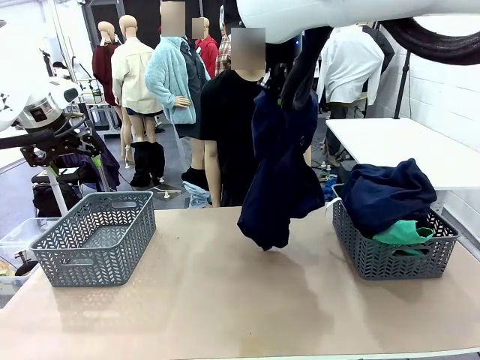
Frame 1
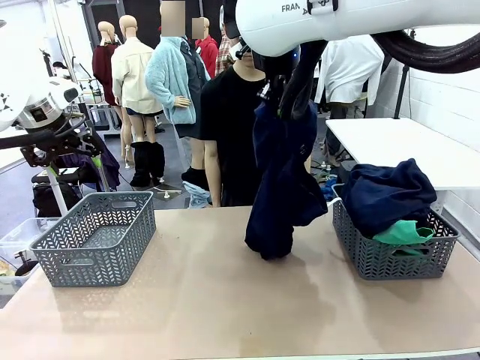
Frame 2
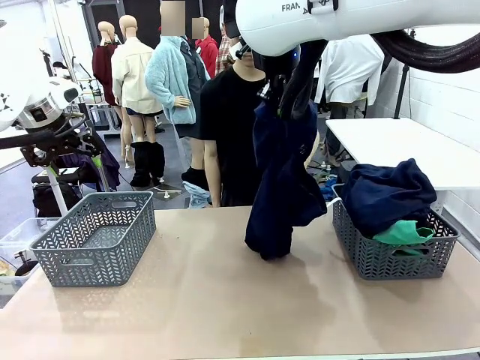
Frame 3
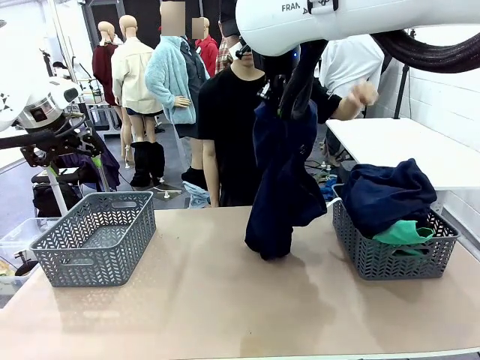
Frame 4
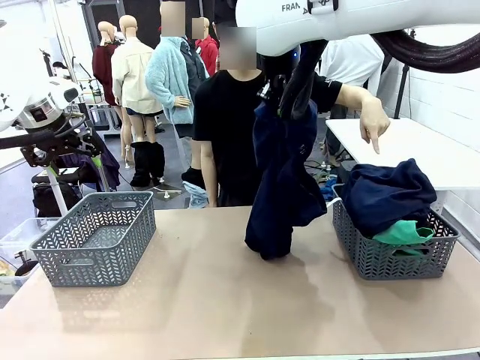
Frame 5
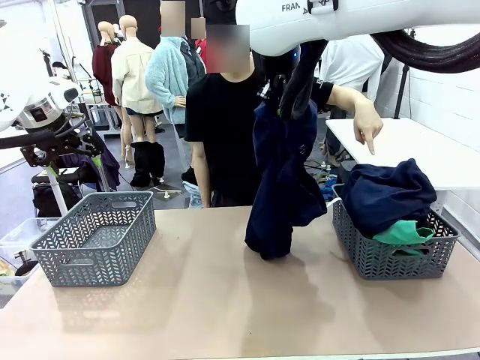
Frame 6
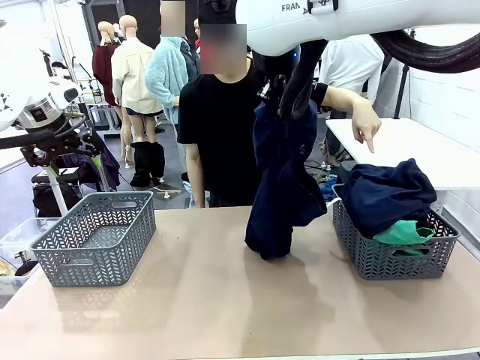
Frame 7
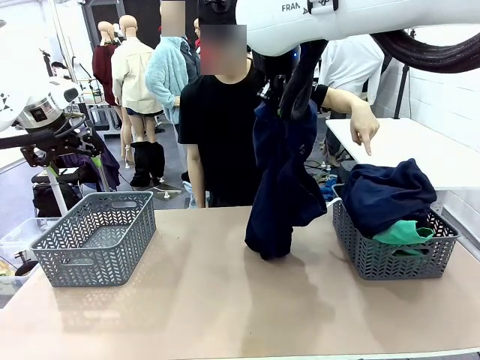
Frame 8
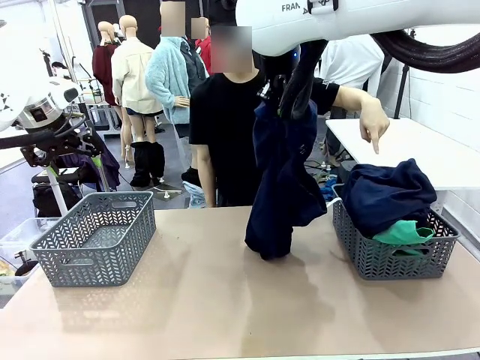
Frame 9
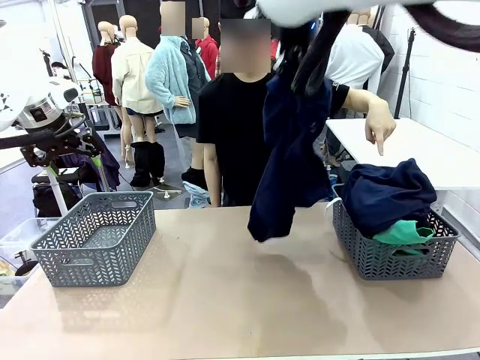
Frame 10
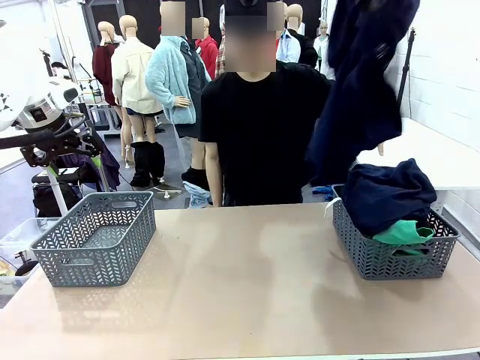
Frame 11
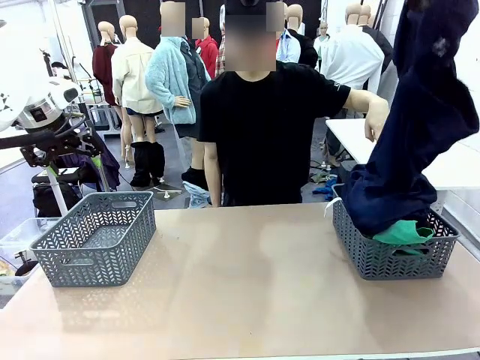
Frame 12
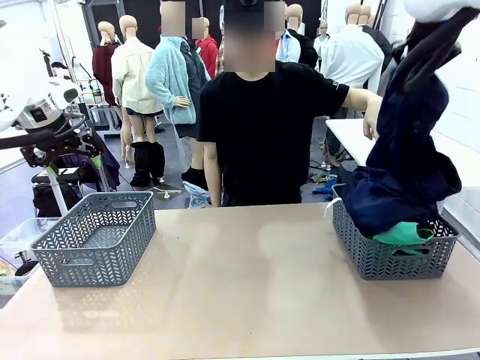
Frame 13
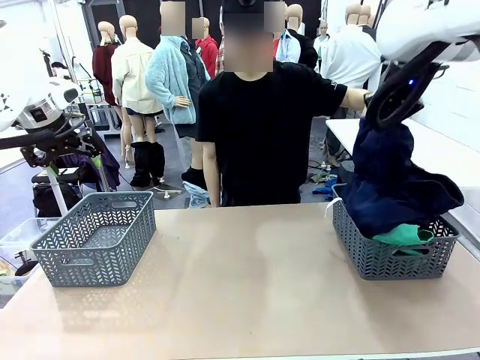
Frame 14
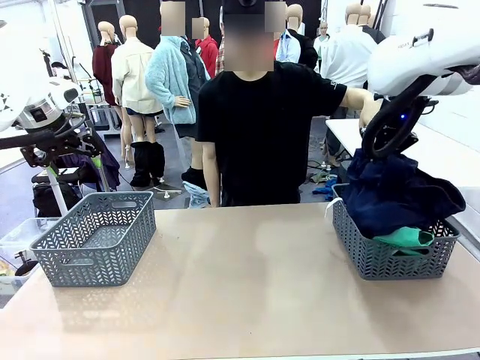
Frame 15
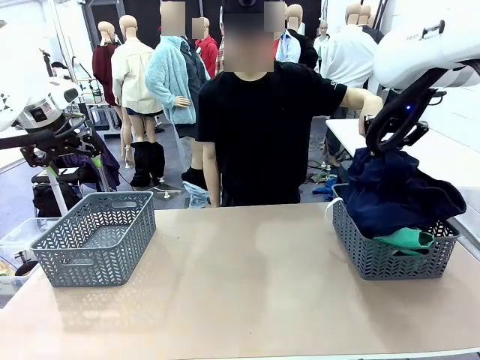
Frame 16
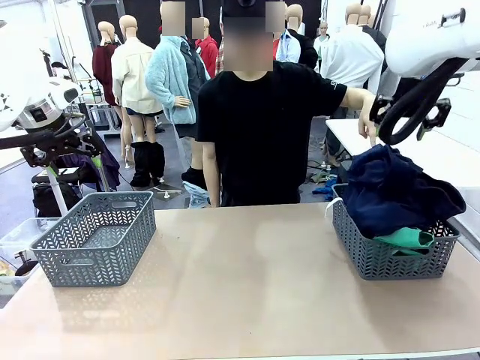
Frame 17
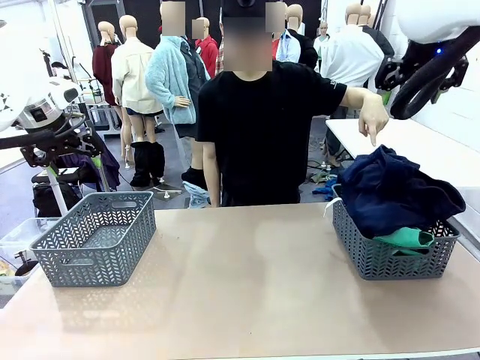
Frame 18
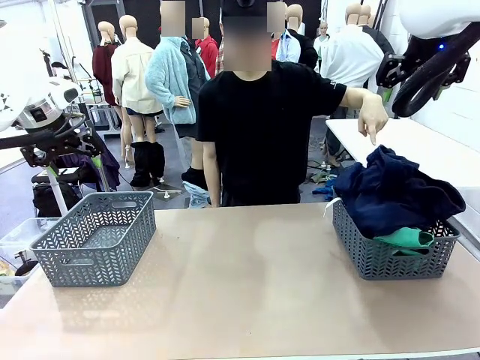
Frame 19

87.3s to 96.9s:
Task: Sort the tops and bottoms.
Robot: Sort the clothes according to human instructions.

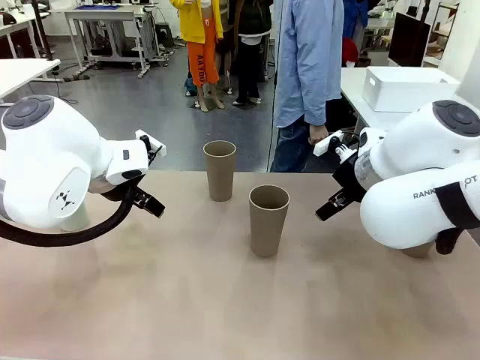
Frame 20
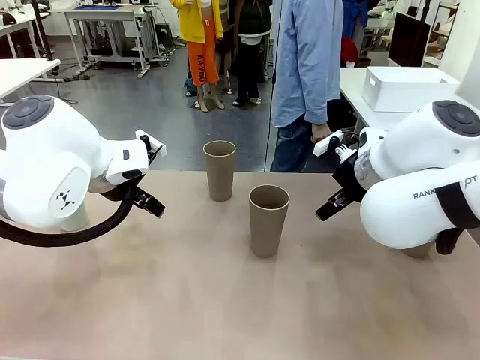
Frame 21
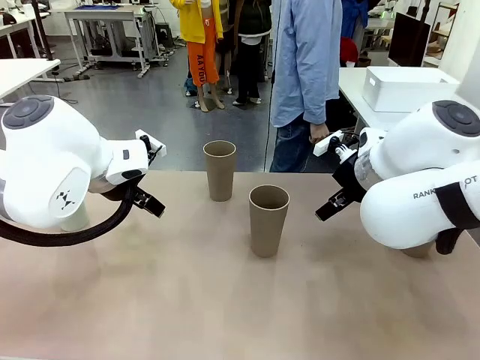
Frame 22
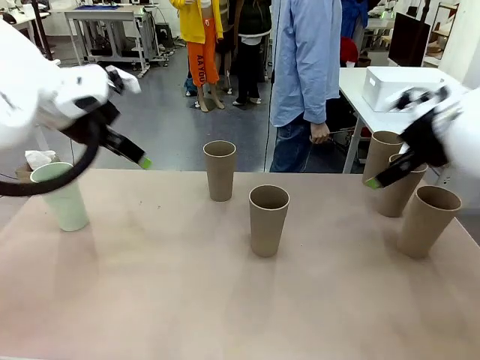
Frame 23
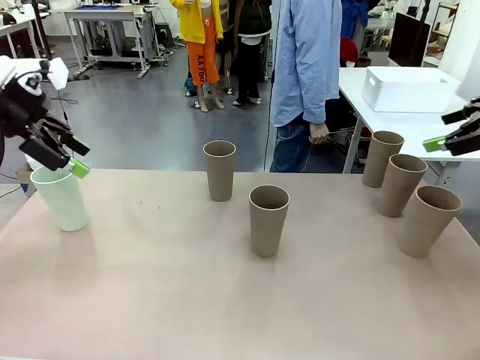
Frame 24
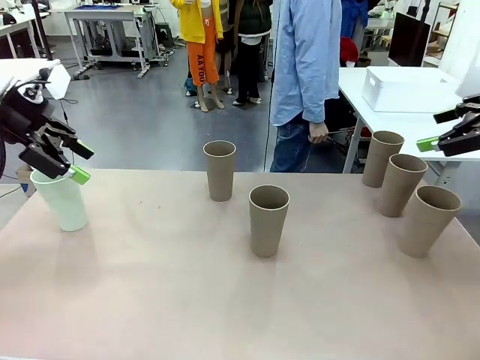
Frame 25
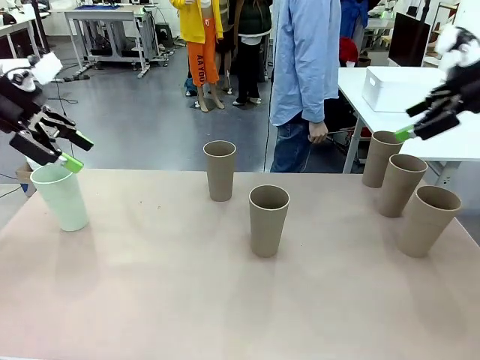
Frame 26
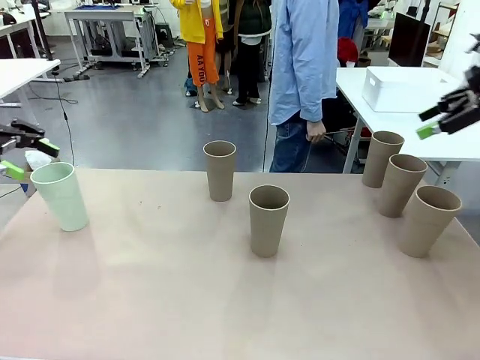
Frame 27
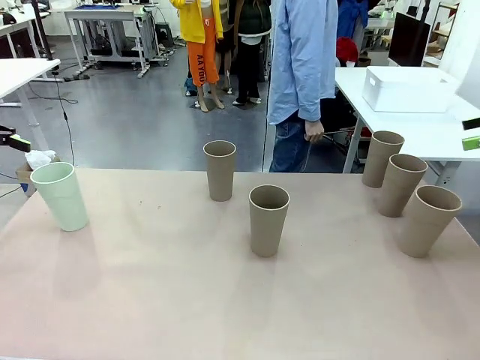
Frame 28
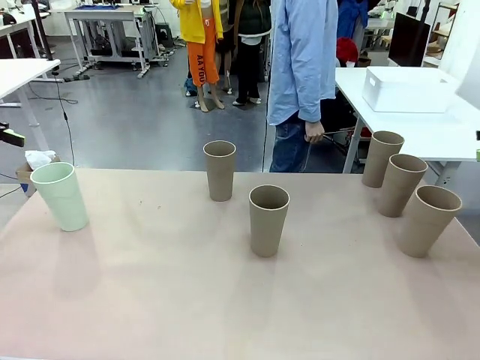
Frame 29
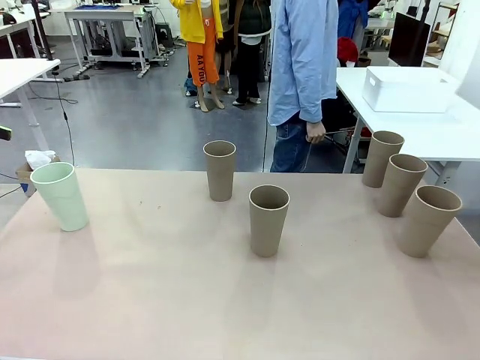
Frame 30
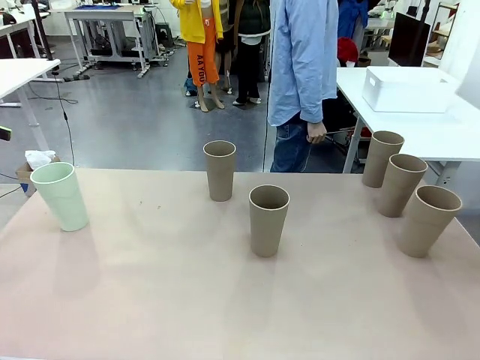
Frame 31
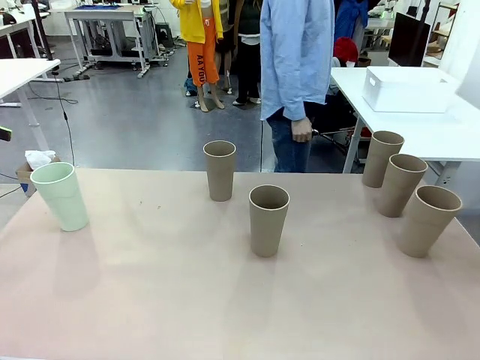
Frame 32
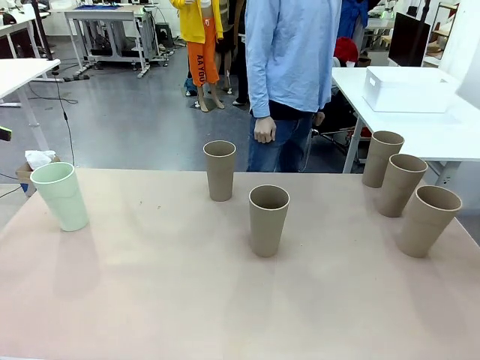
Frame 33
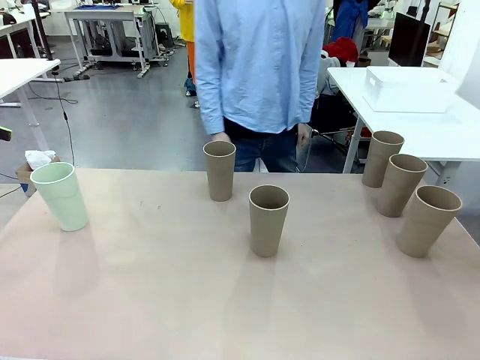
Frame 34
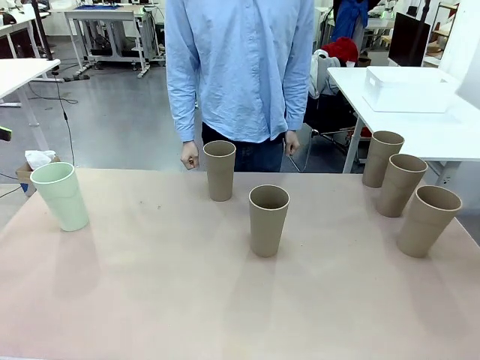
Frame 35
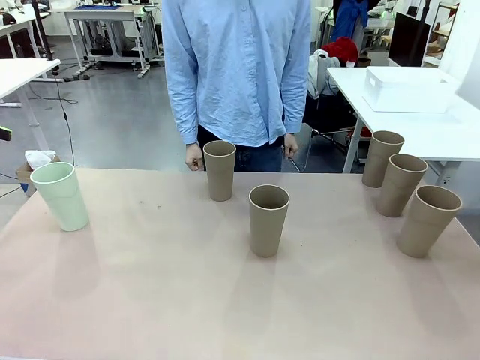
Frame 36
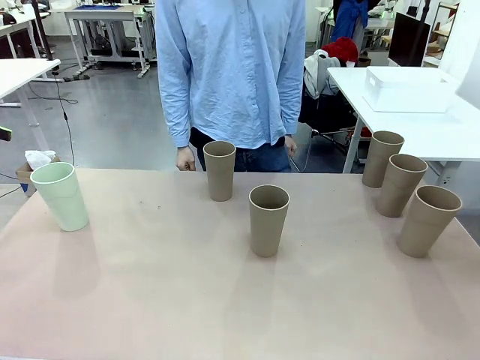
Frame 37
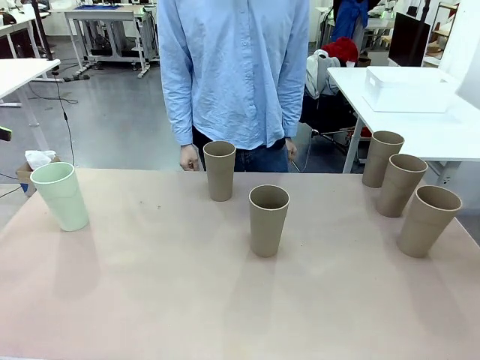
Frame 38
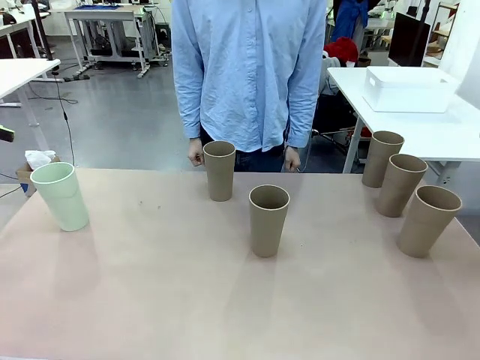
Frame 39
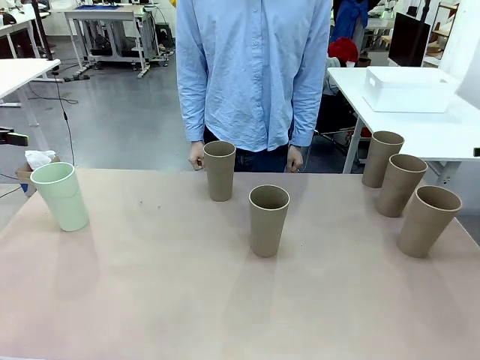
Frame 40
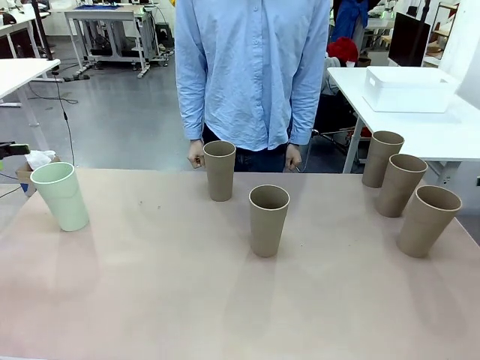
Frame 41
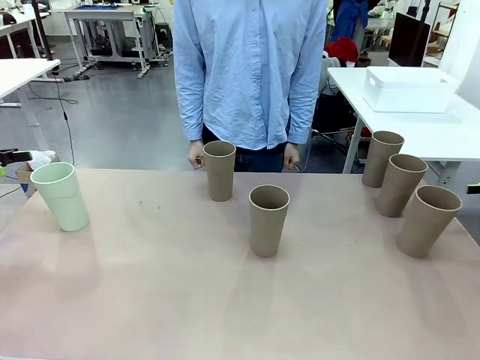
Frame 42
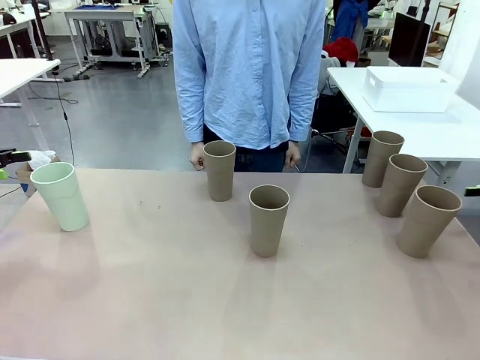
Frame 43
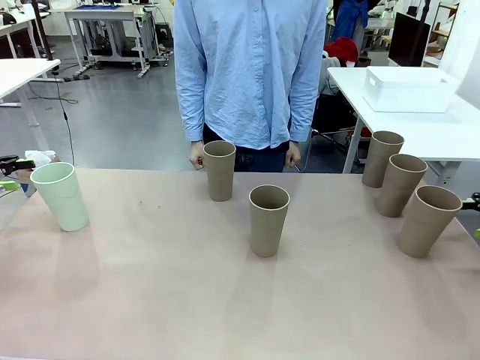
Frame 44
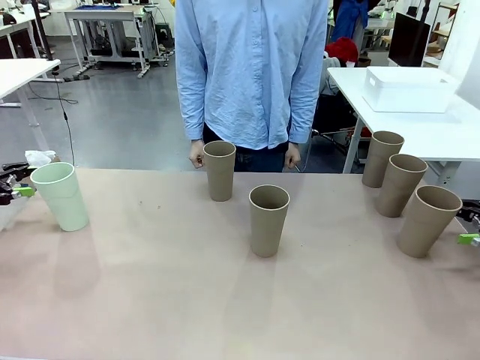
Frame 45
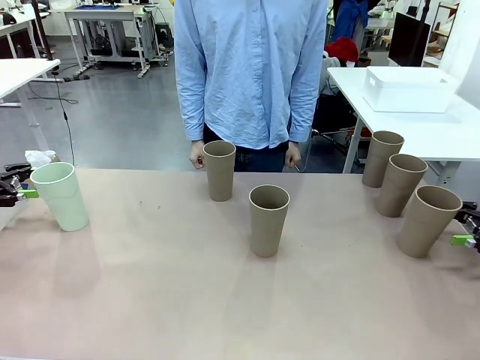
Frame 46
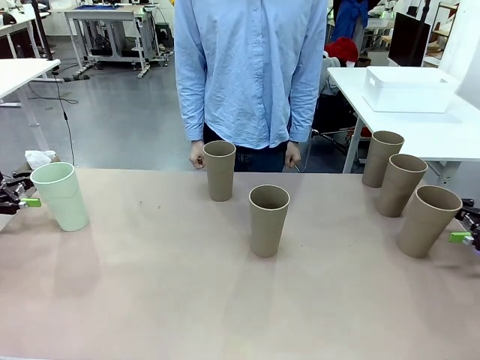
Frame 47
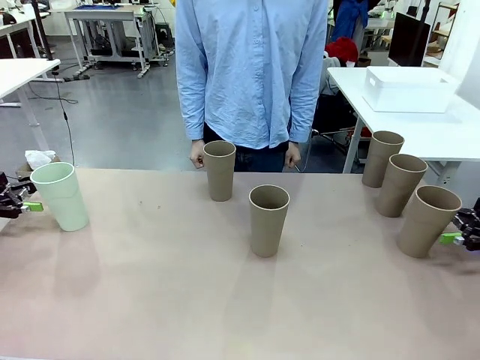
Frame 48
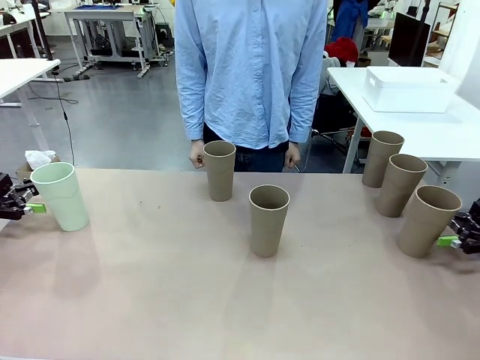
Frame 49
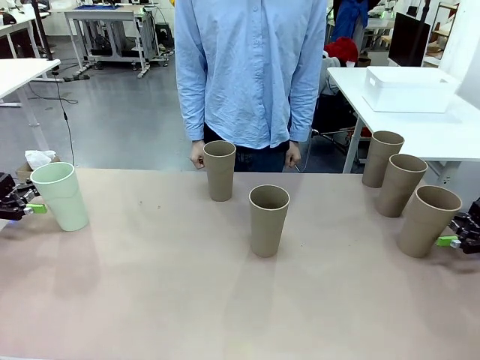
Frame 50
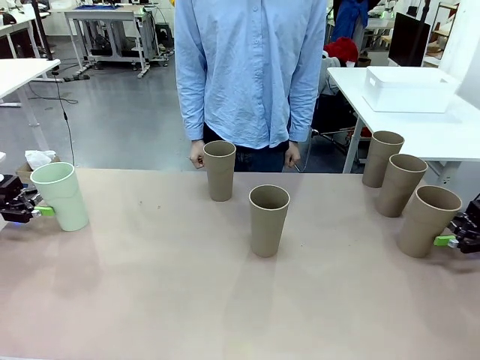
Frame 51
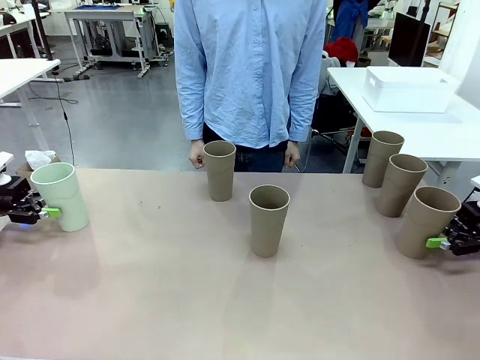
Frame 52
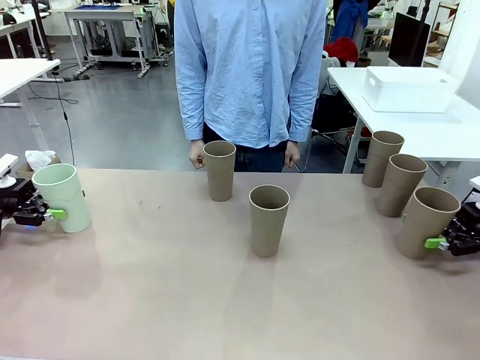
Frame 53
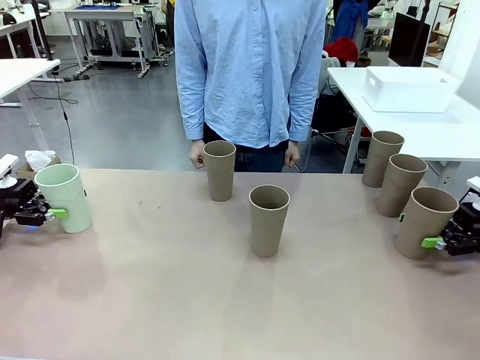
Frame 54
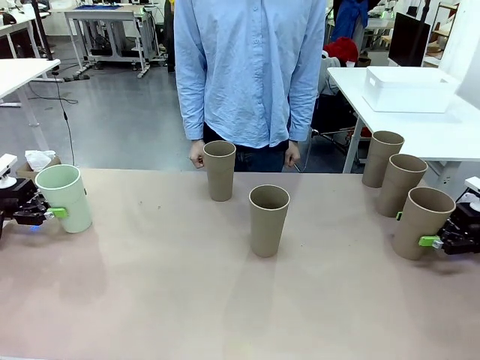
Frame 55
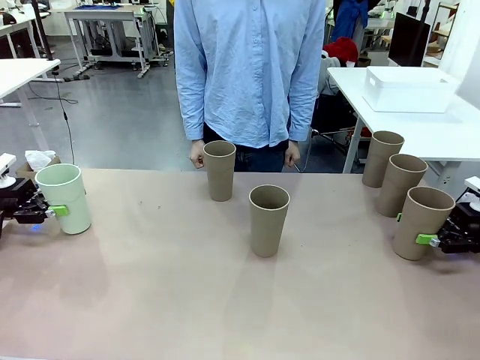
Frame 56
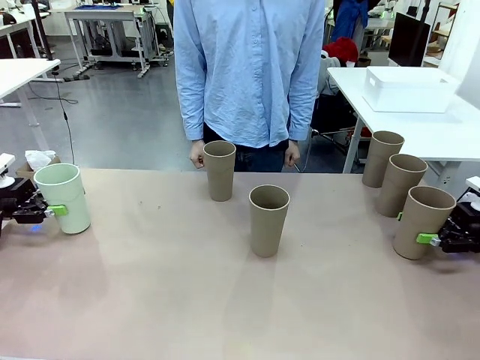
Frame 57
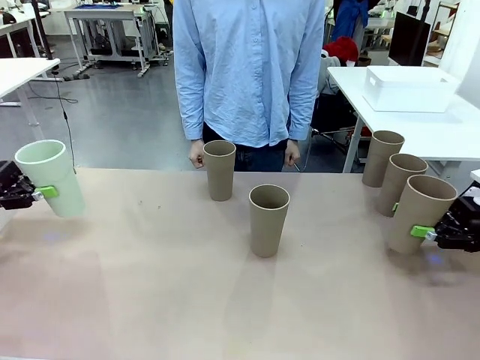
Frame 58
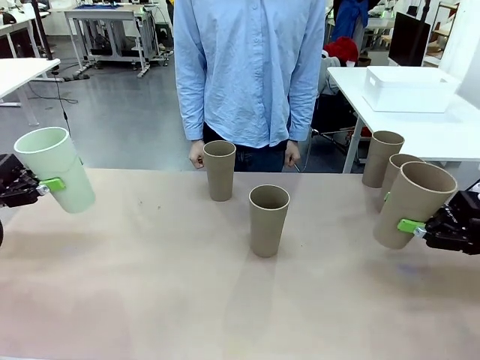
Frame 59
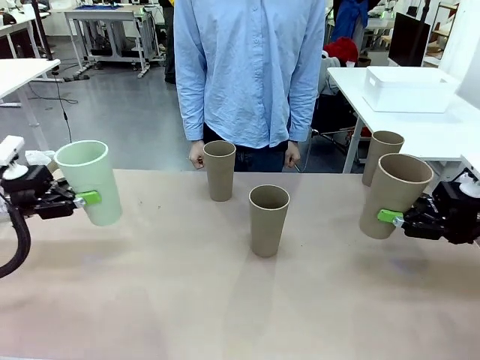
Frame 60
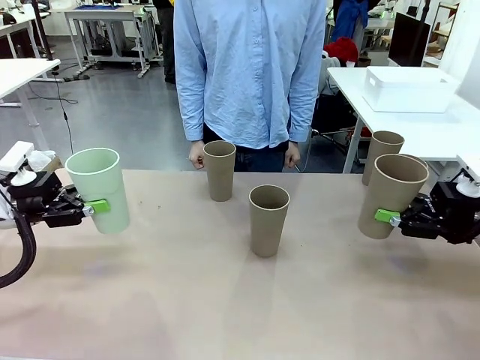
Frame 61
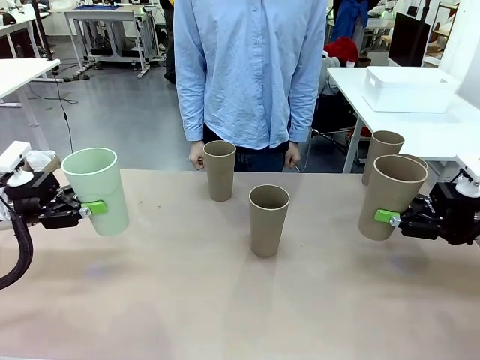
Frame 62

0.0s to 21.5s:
Task: Stack the cups and store them in the basket.
Robot: Pick up two Reusable plastic cups , one in each hand.
Person: Move from the Human Table to the front of the Robot Table. Stack two of the remaining cups on top of each cup held by the robot.
